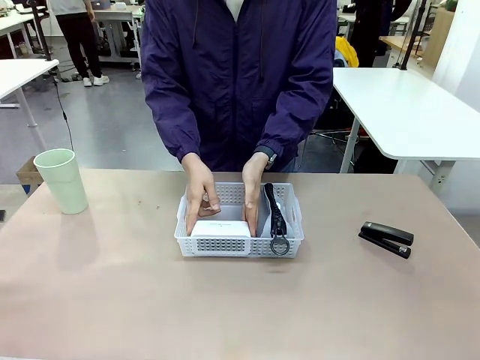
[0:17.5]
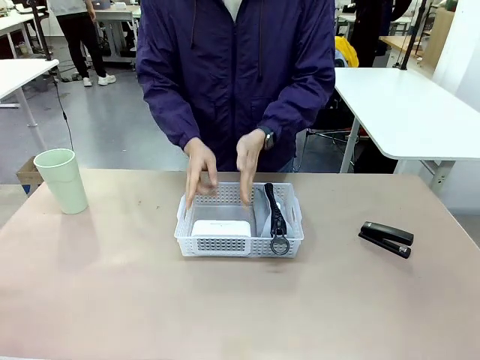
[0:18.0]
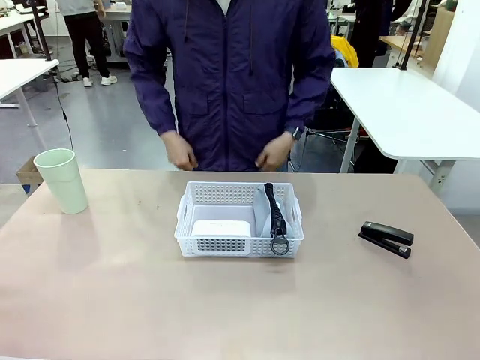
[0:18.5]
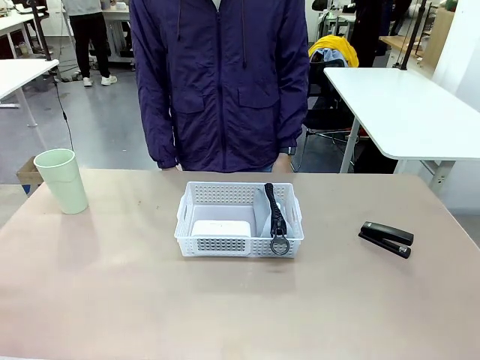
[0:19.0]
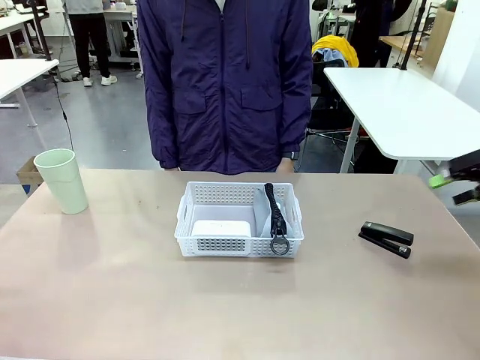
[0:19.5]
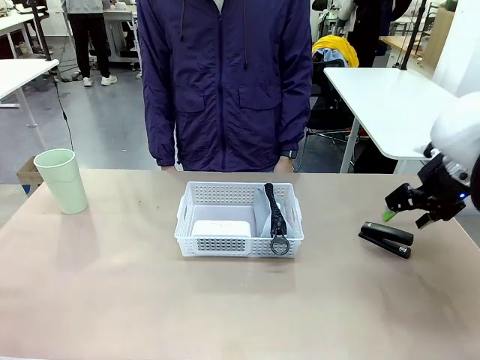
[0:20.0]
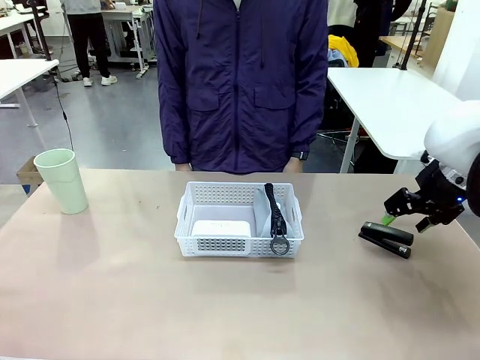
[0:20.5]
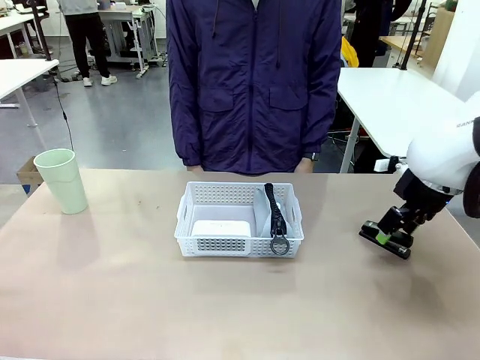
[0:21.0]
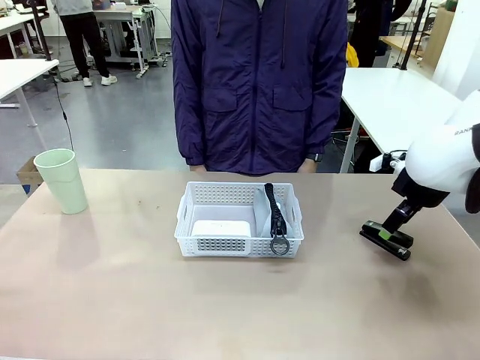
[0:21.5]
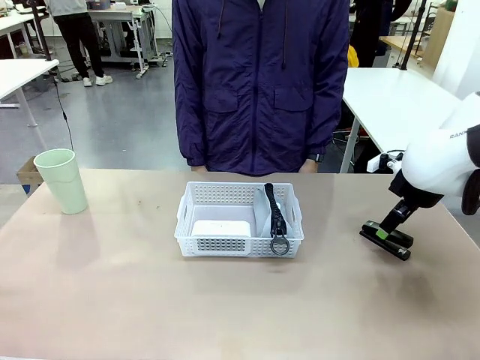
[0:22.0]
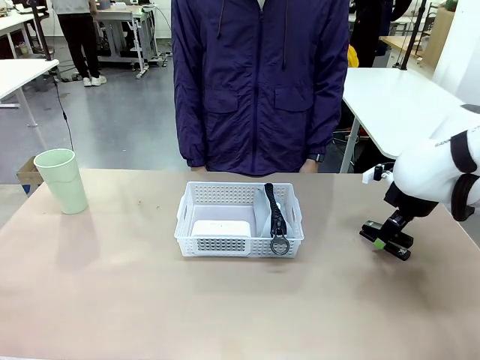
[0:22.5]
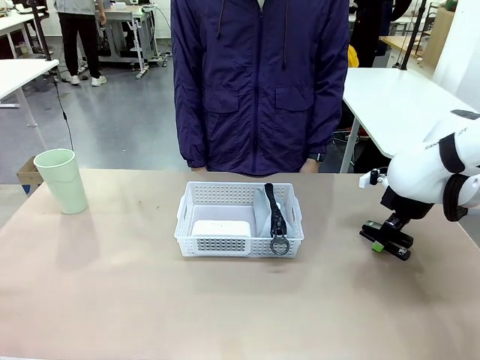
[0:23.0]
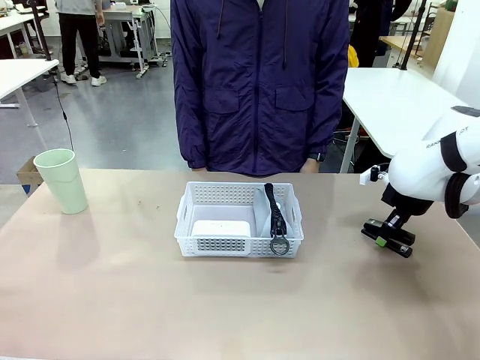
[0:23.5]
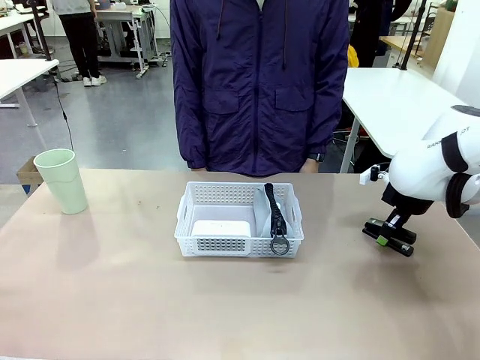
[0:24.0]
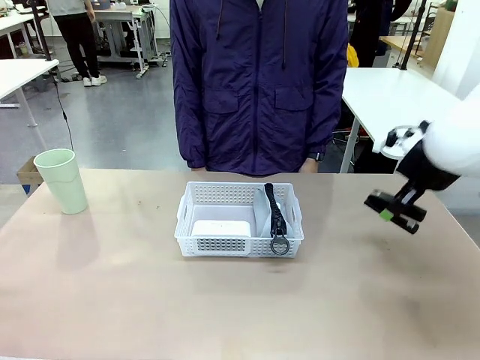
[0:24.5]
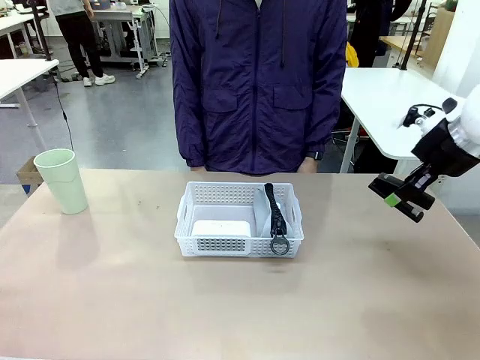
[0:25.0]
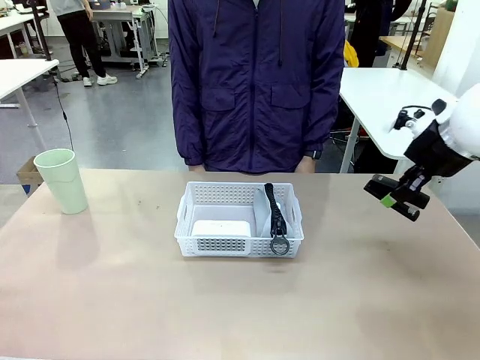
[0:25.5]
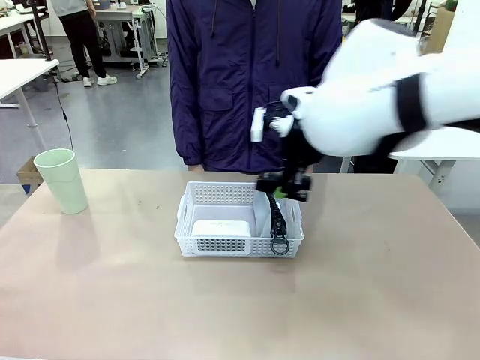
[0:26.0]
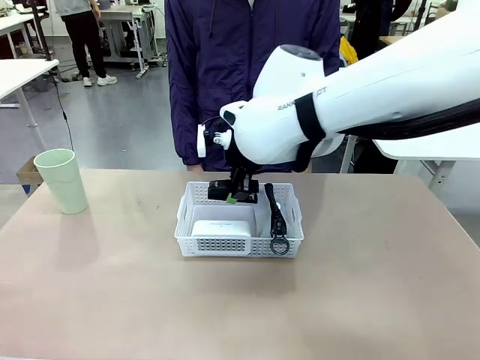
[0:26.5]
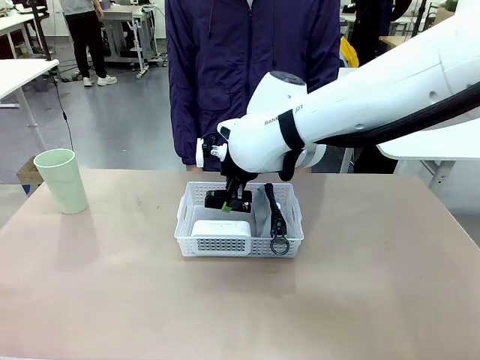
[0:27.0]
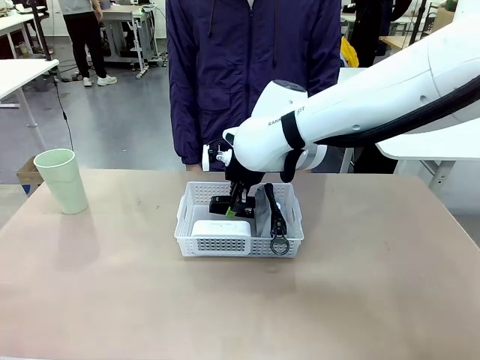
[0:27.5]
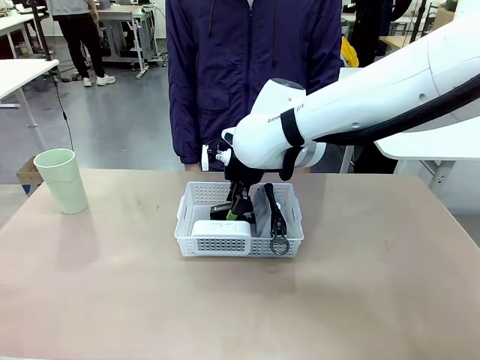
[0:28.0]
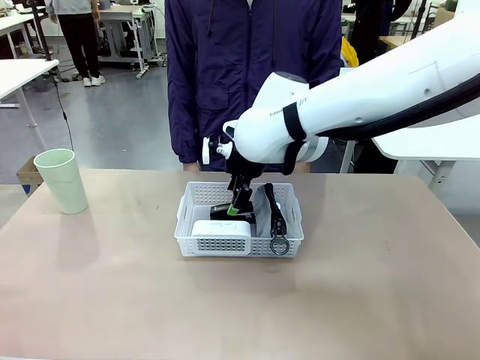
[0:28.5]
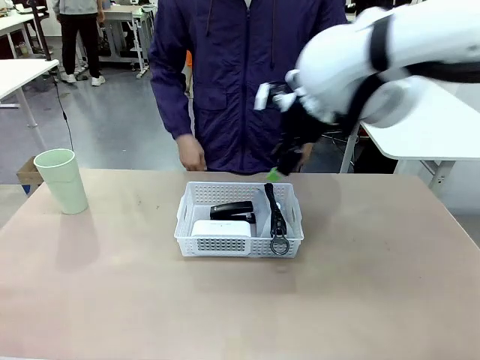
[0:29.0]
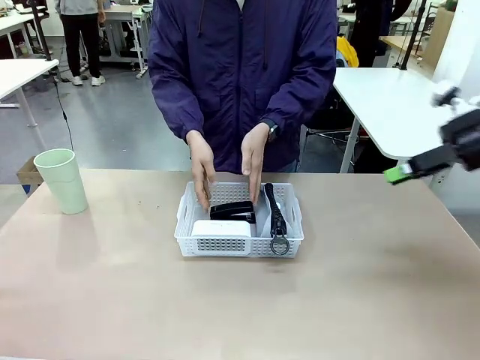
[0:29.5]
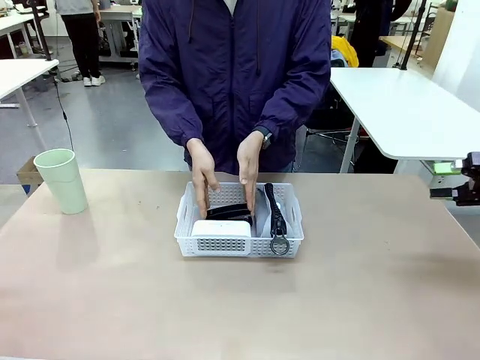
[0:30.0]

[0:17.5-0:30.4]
Task: Efficiently arrange items inside the basket to fit them all.
Robot: Pick up the Stapler and place it inside the Organizing basket.

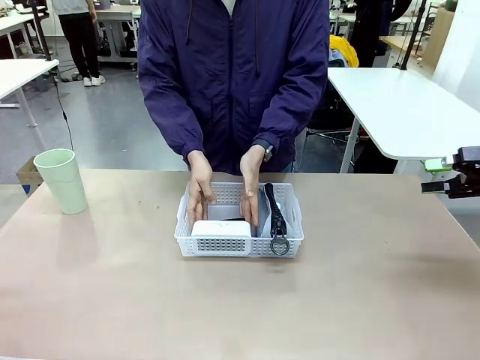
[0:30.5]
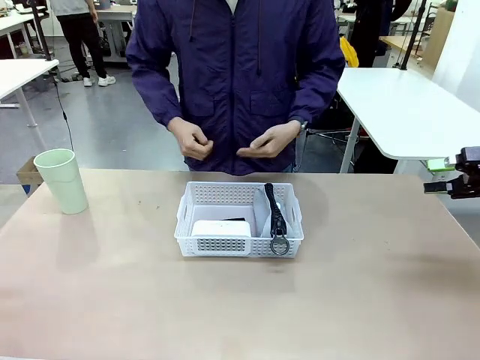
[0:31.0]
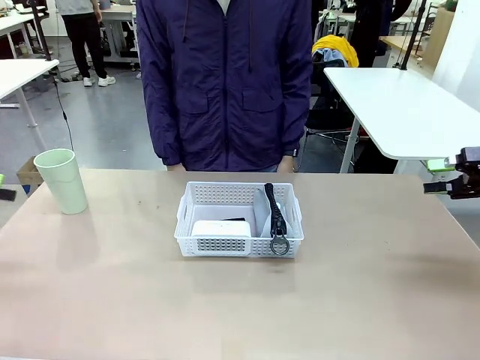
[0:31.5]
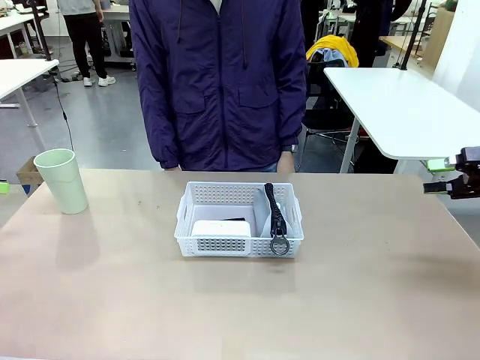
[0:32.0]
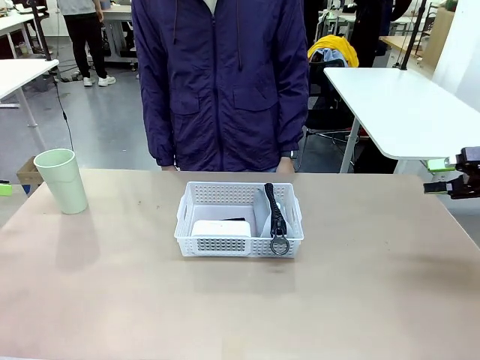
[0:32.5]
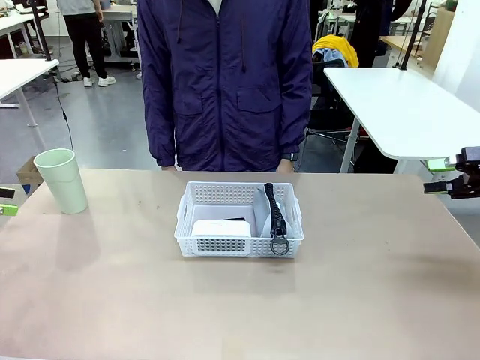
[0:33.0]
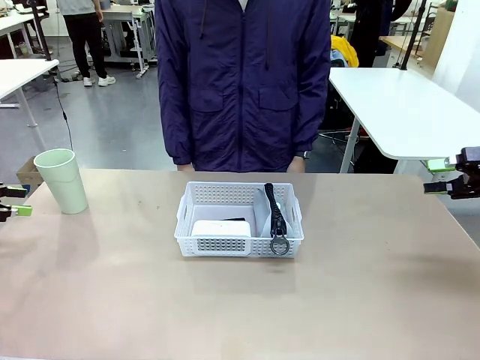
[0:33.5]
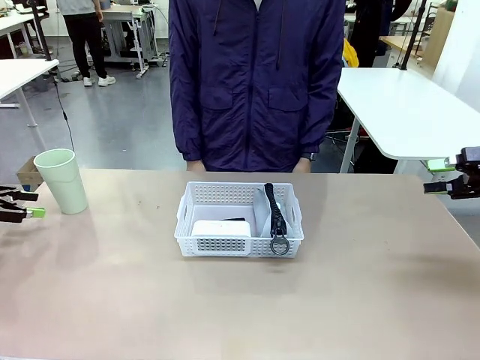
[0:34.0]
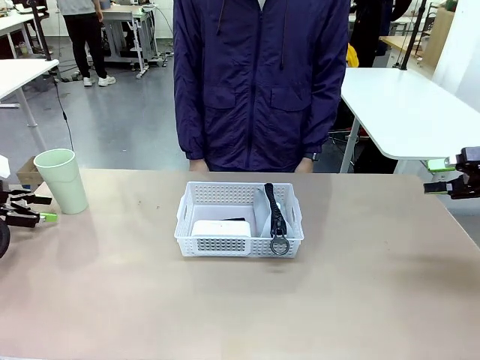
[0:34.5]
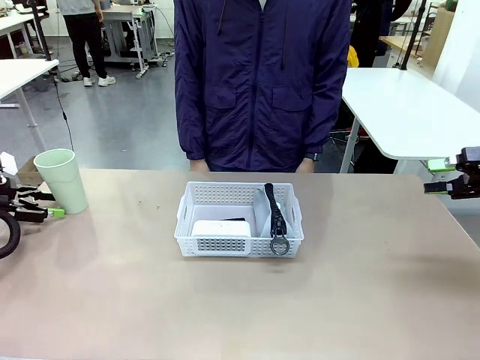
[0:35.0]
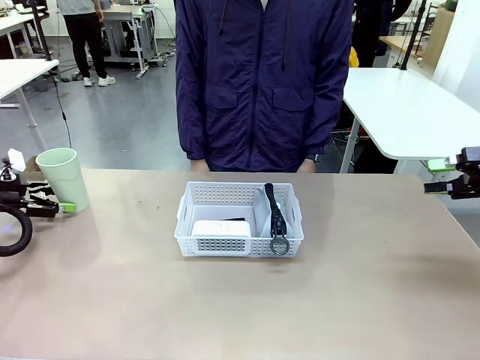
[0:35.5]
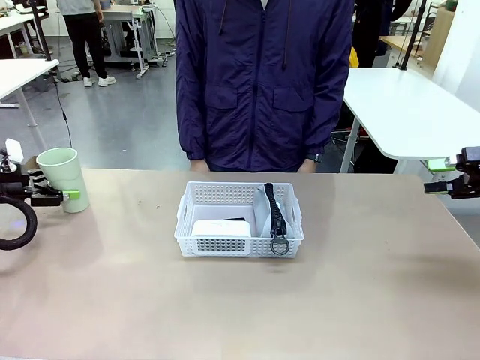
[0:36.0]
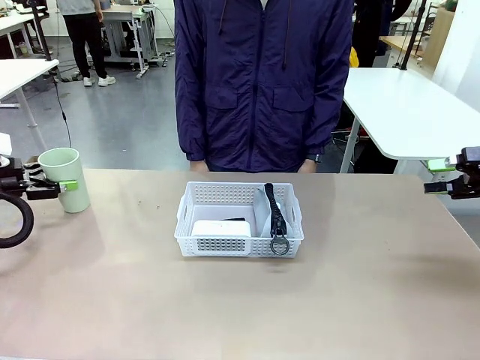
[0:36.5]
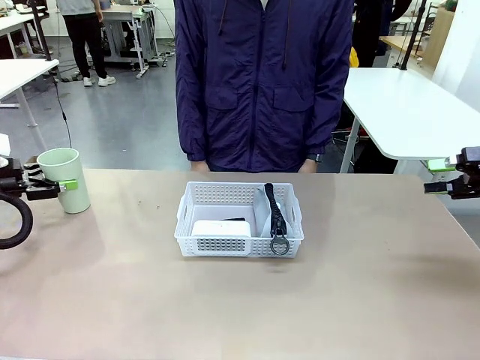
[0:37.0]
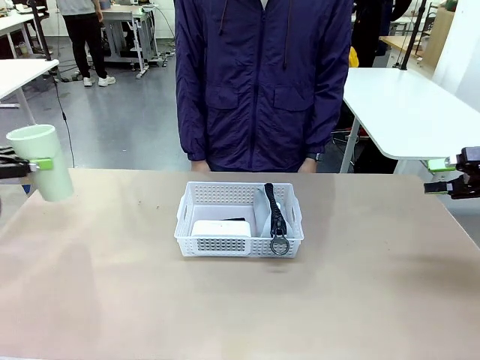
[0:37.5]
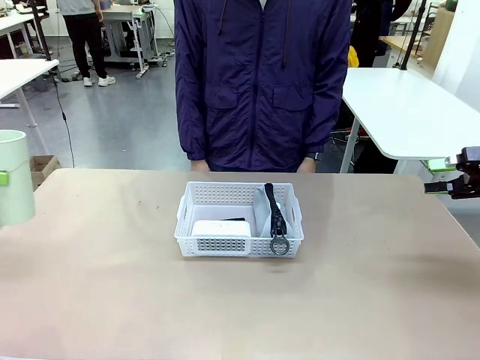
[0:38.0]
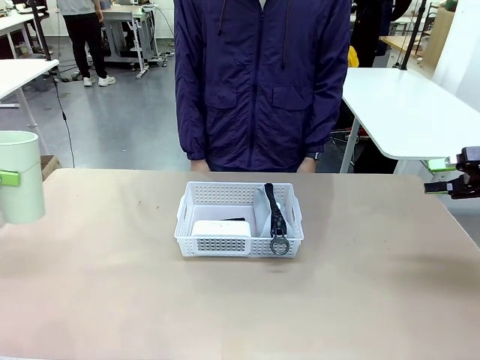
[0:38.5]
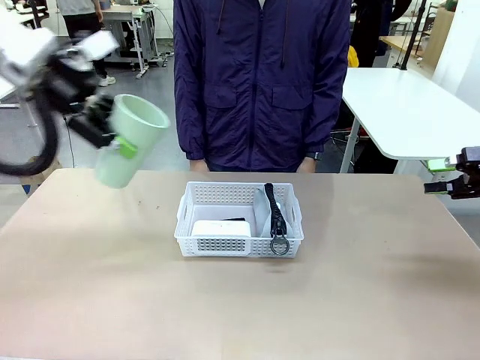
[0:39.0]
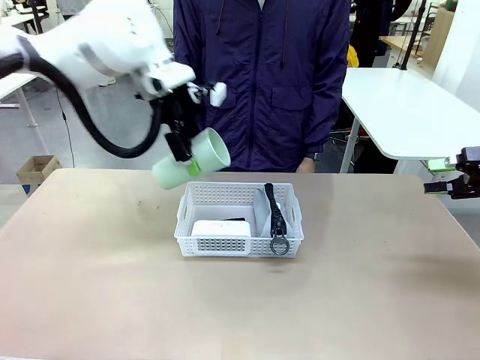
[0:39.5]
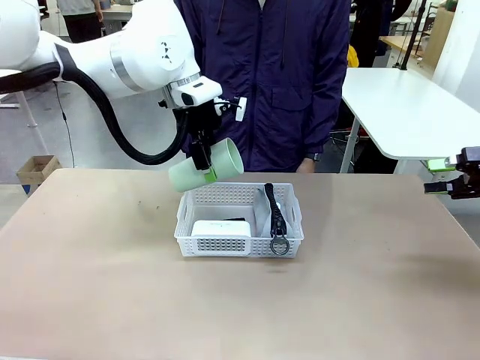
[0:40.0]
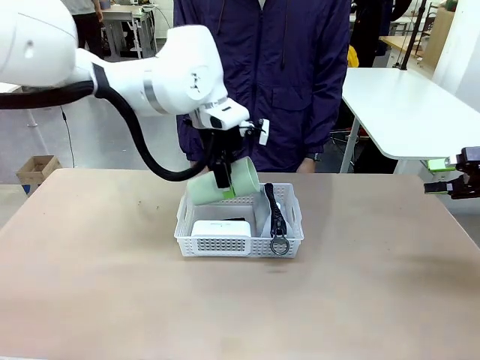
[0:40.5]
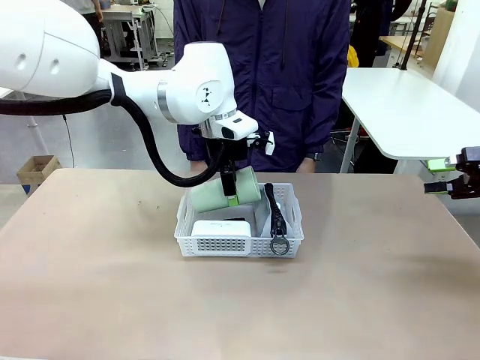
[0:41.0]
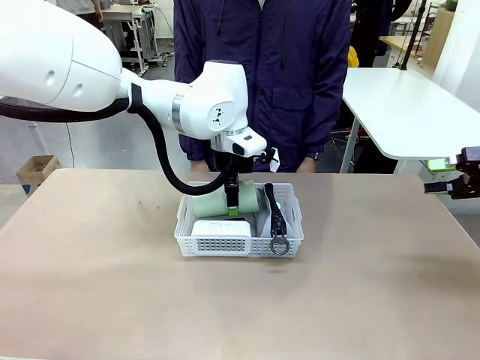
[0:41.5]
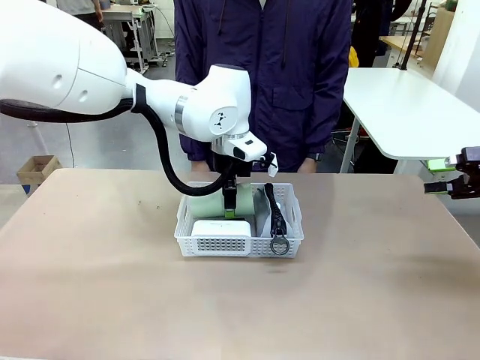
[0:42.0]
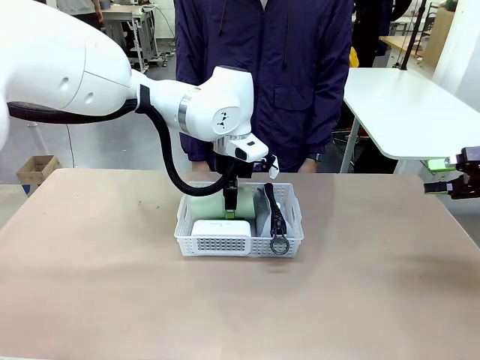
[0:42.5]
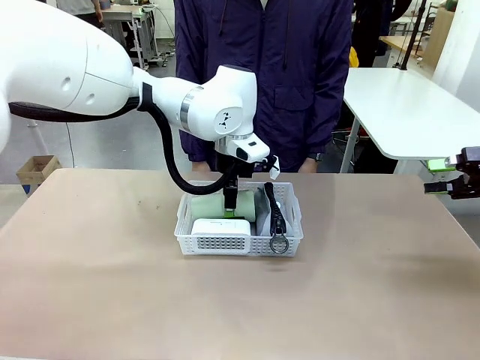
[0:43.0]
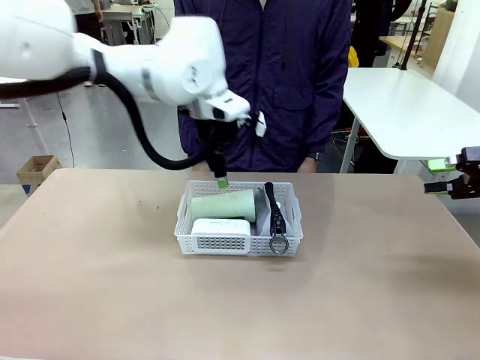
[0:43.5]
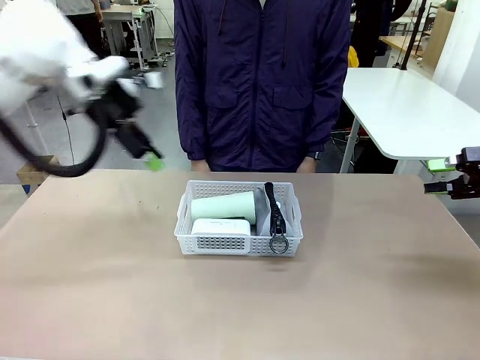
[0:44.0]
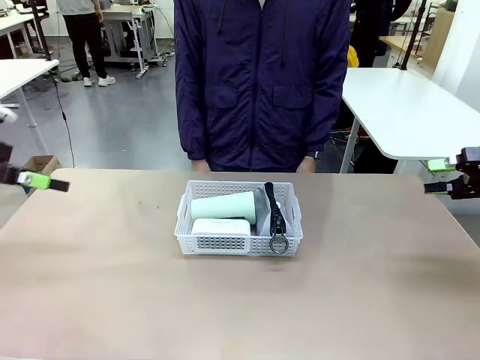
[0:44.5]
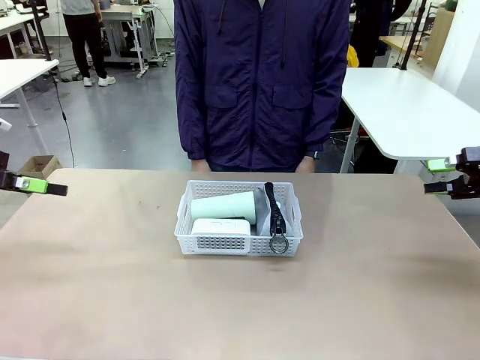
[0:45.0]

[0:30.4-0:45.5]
Robot: Pick up the Reusable plastic cup and place it inside the Organizing basket.
Person: Repositions the stapler.
